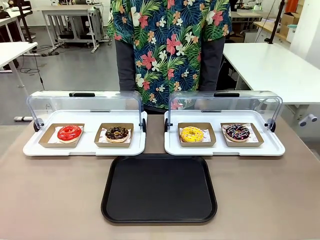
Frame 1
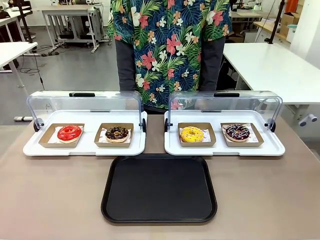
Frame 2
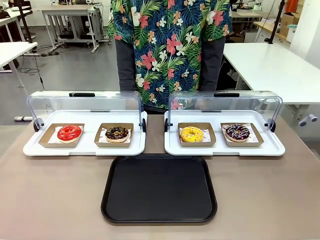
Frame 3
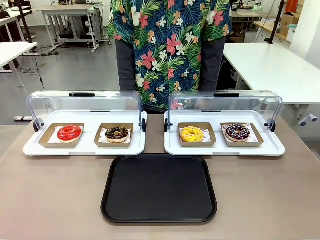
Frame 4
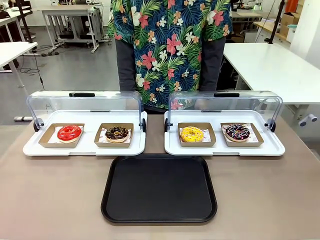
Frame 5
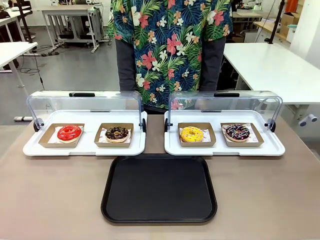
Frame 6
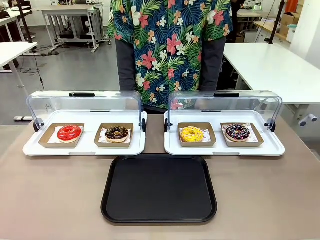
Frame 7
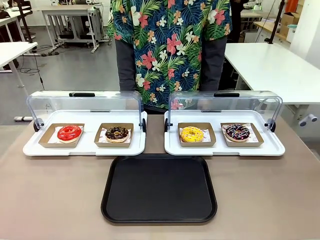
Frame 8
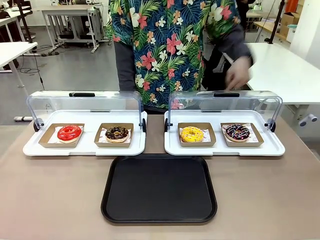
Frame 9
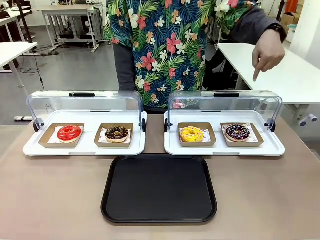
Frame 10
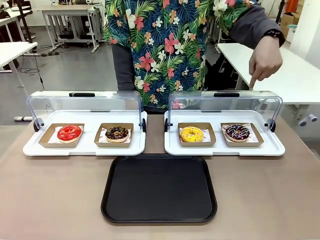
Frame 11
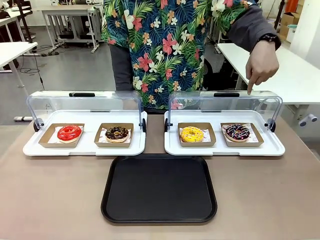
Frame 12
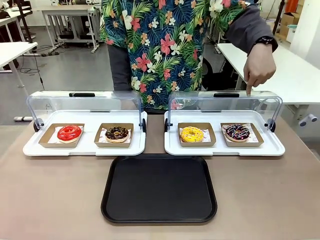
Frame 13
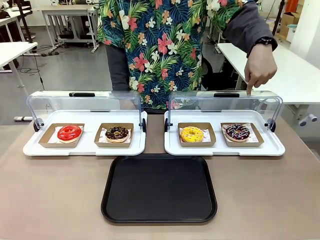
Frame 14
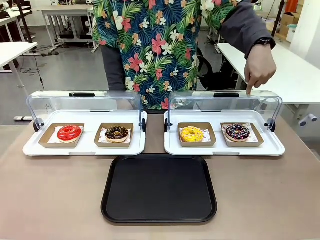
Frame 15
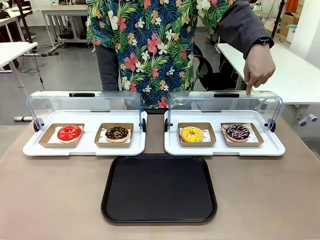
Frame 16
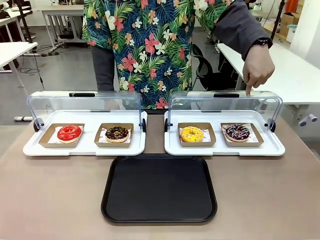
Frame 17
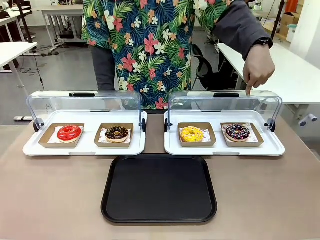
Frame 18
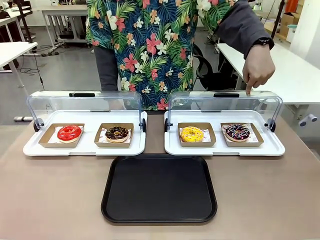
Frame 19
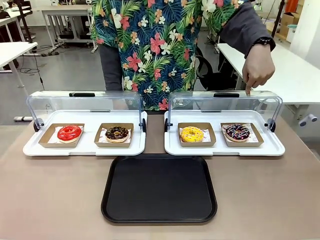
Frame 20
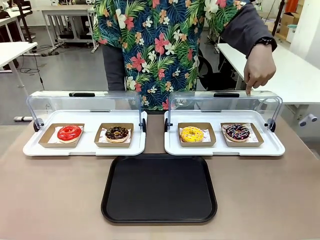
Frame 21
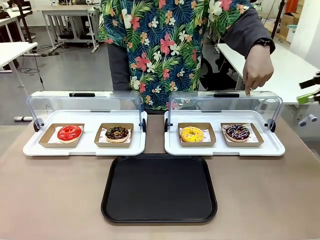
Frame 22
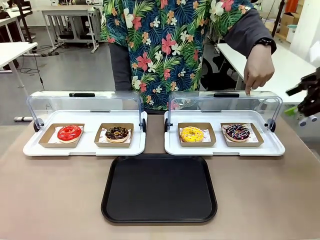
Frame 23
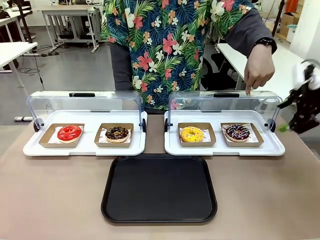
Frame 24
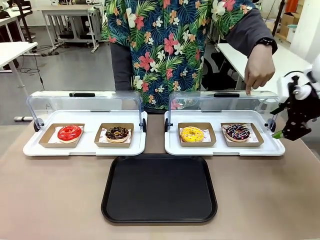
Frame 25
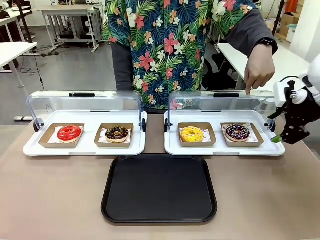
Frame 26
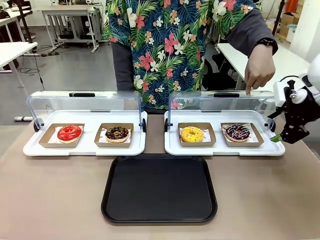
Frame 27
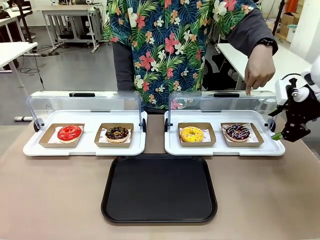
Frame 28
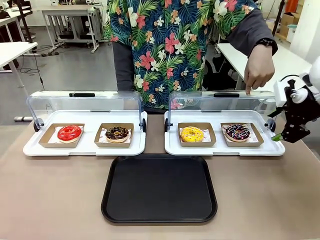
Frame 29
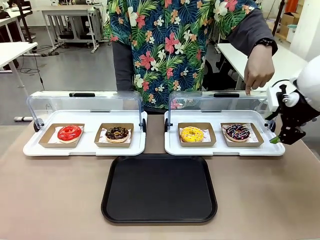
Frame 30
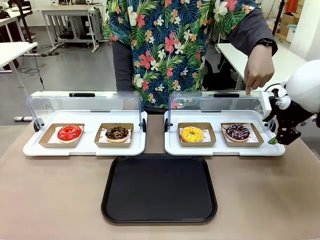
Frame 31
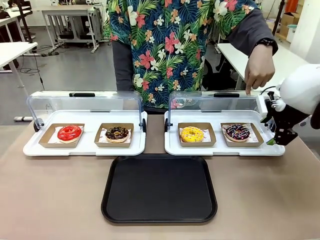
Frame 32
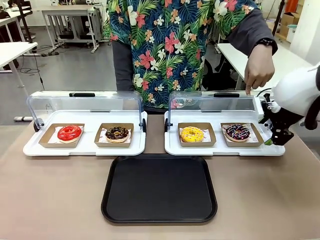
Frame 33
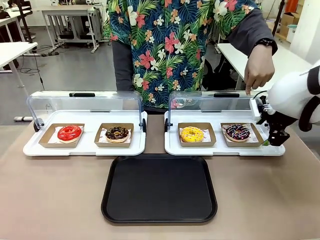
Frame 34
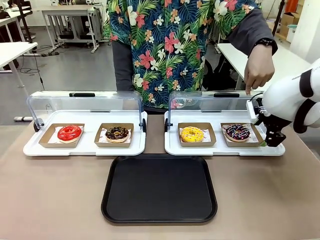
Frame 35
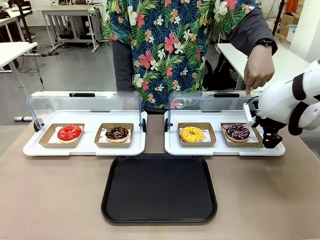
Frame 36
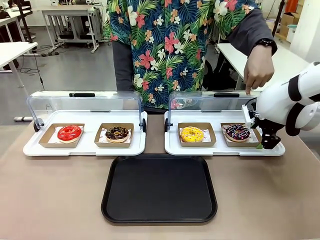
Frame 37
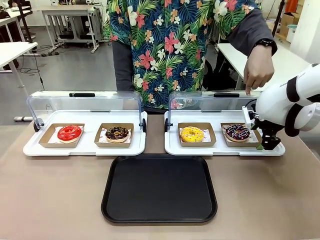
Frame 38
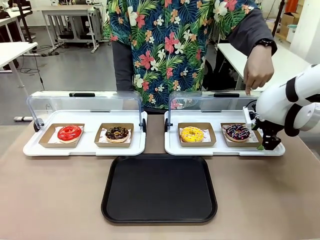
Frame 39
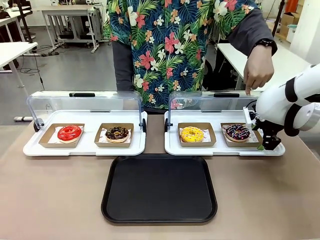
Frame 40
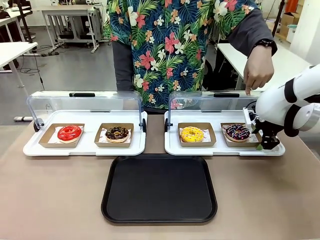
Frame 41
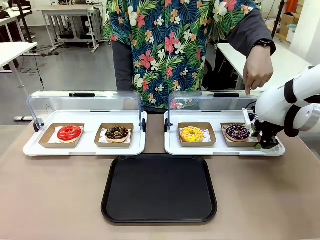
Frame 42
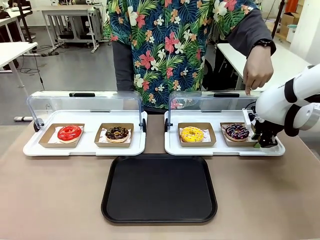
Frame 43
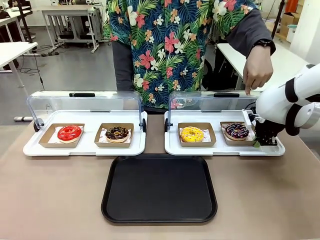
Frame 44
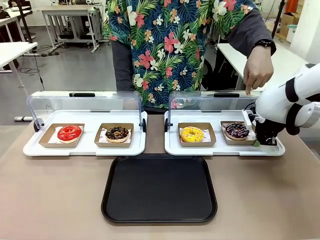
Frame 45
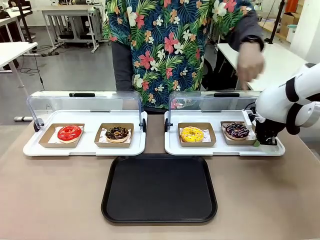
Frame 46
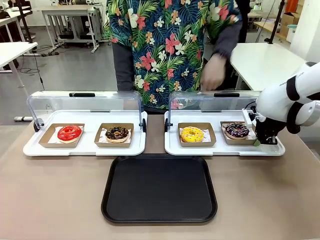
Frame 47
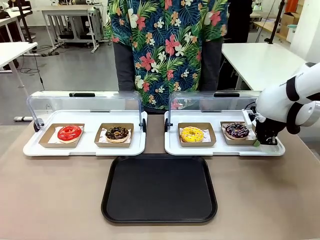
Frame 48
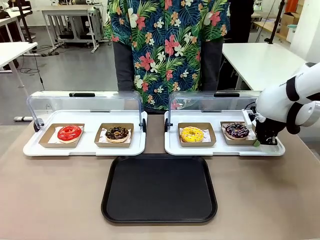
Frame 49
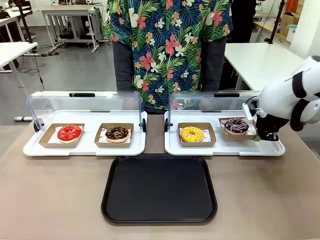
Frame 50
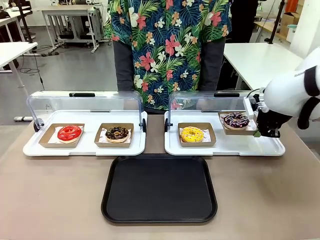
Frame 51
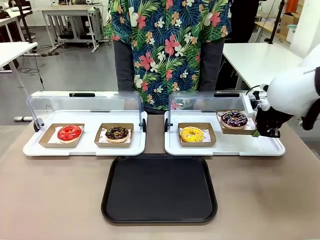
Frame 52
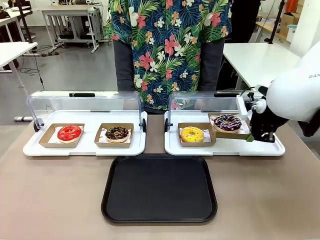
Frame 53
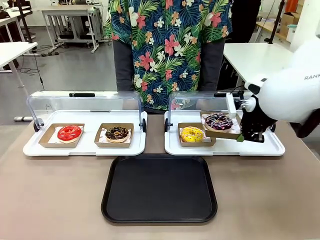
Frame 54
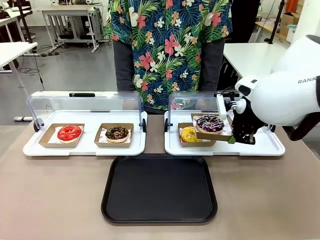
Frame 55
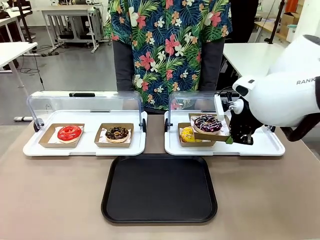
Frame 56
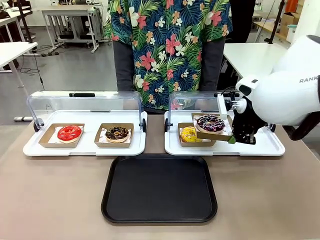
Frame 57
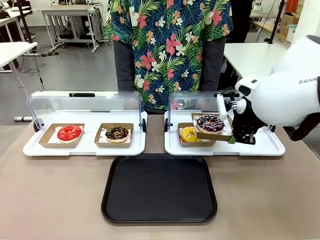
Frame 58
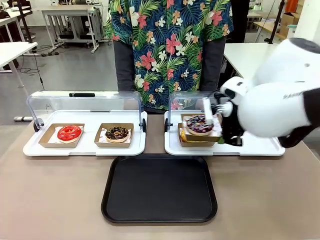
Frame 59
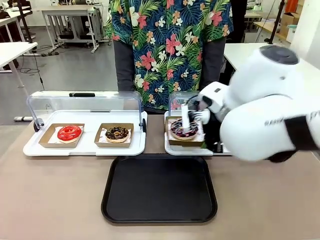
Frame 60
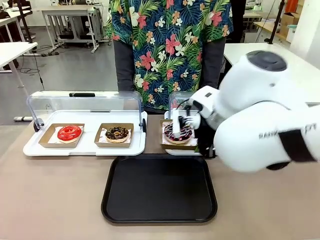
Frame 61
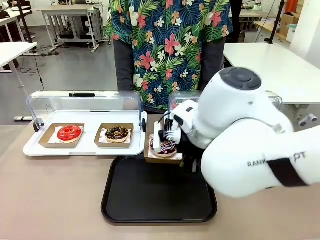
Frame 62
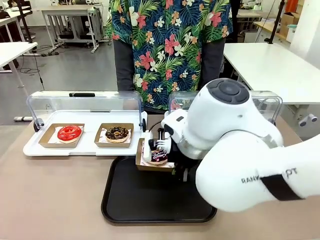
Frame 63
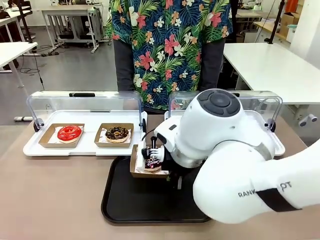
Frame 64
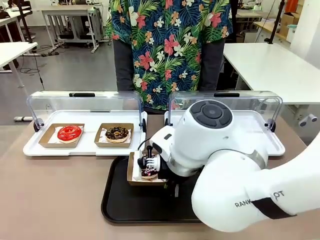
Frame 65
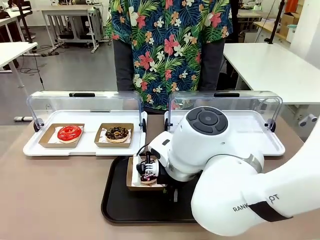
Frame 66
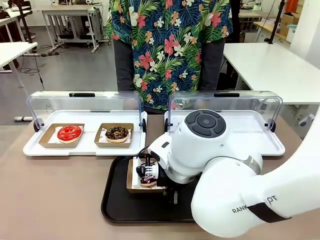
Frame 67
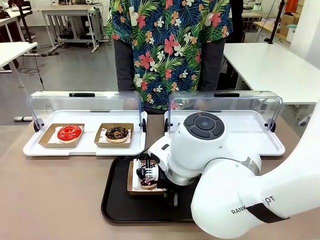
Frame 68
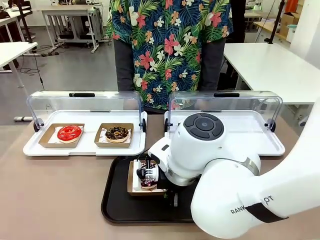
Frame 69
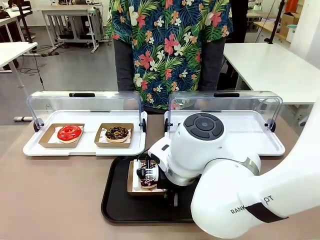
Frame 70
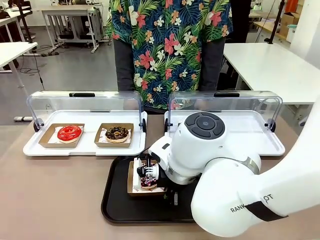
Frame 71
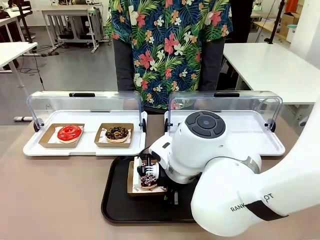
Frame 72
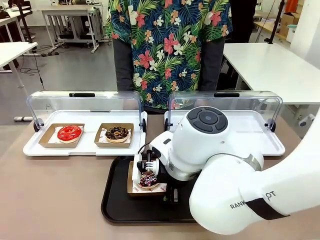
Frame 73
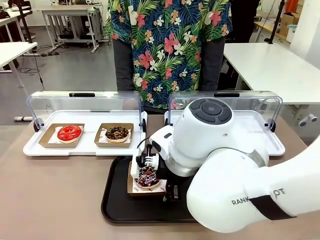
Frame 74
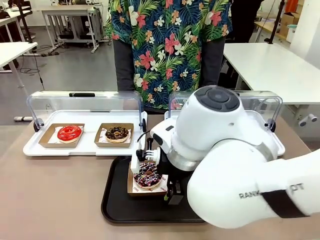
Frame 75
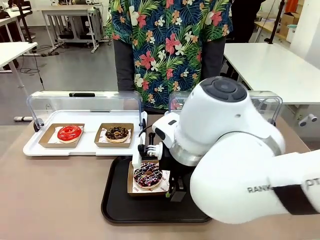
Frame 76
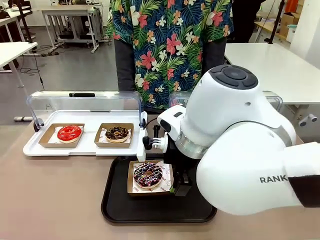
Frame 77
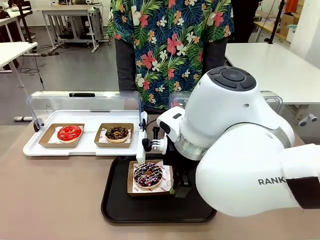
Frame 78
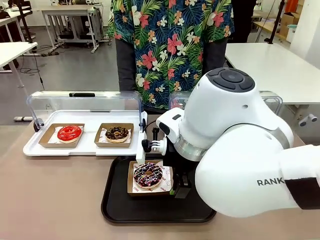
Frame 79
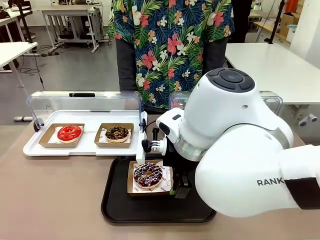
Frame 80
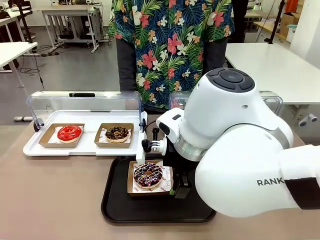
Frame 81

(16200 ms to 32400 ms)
Task: Move the fourth donut from the left to the tray.
Robot: Pick up the Paper togo box containing the Donut indicated by the person and place it on the Handle tray.
